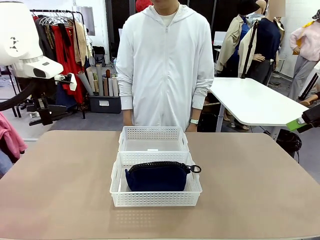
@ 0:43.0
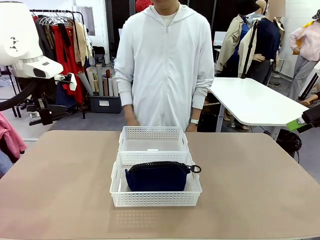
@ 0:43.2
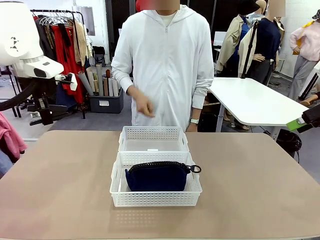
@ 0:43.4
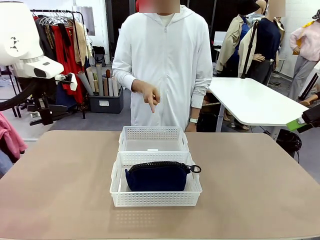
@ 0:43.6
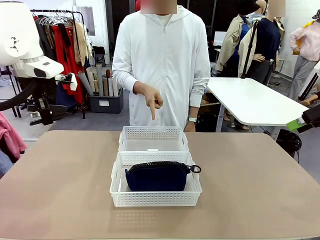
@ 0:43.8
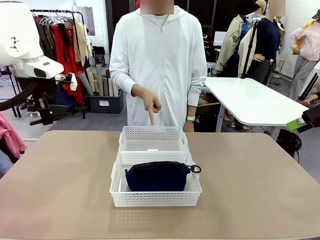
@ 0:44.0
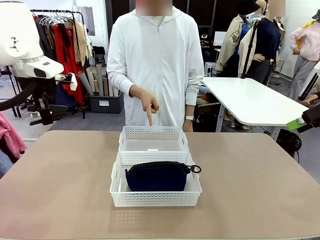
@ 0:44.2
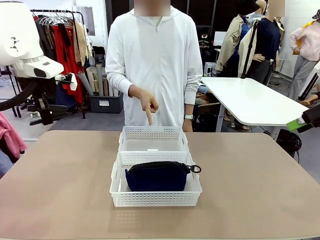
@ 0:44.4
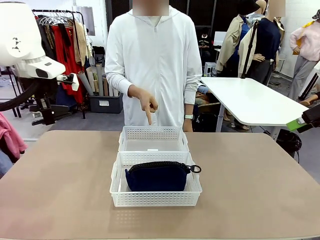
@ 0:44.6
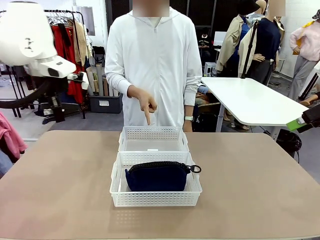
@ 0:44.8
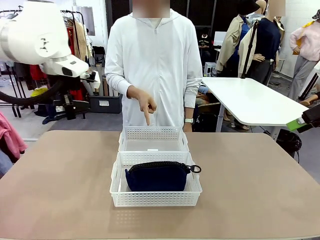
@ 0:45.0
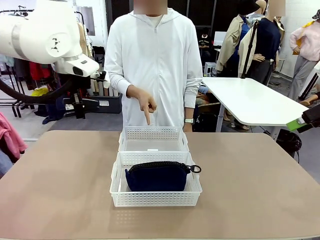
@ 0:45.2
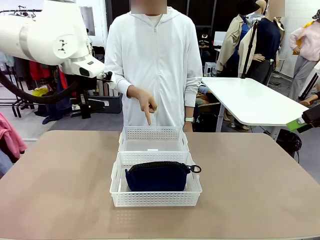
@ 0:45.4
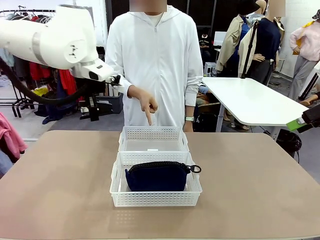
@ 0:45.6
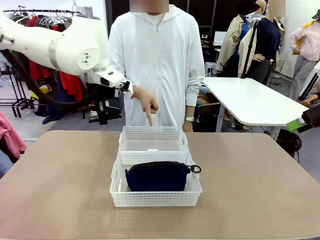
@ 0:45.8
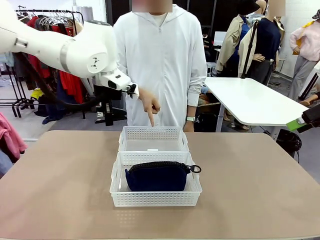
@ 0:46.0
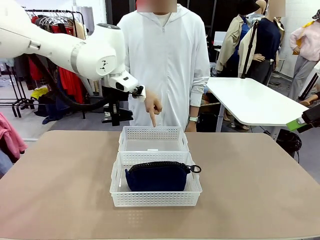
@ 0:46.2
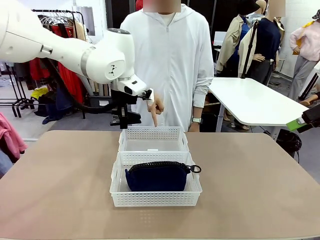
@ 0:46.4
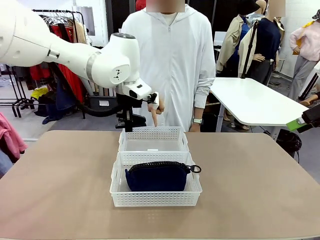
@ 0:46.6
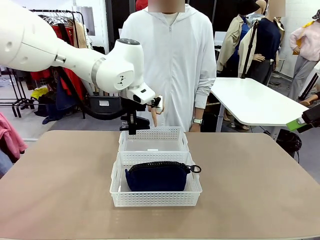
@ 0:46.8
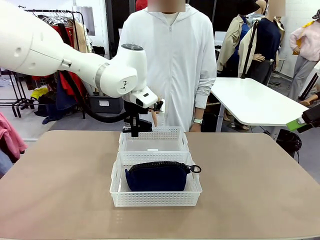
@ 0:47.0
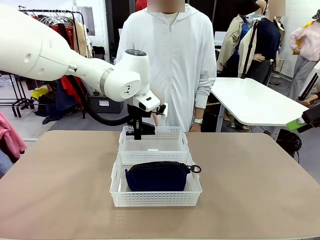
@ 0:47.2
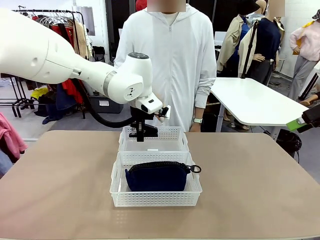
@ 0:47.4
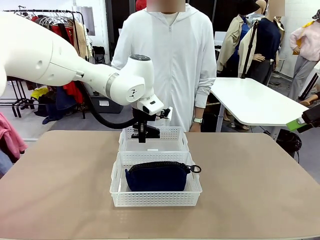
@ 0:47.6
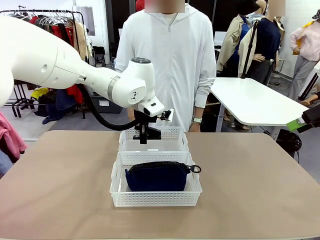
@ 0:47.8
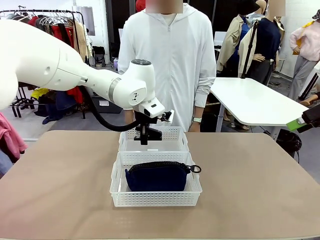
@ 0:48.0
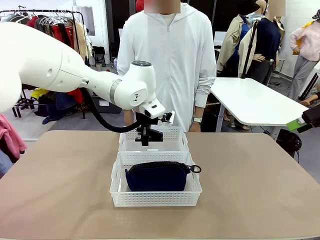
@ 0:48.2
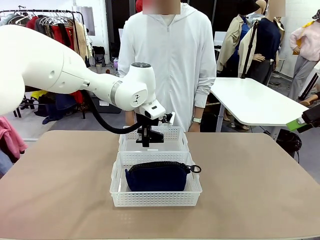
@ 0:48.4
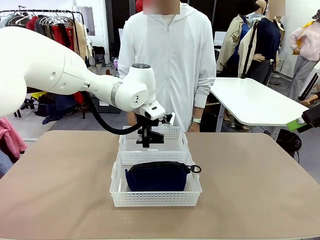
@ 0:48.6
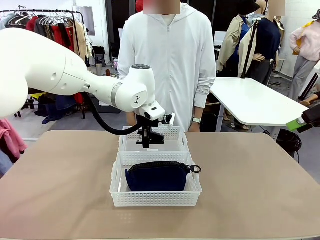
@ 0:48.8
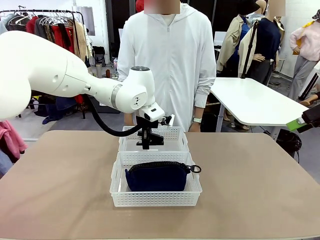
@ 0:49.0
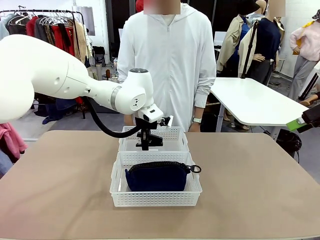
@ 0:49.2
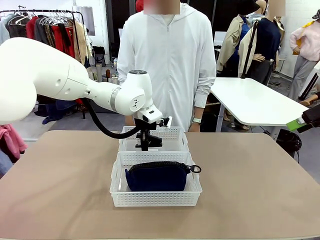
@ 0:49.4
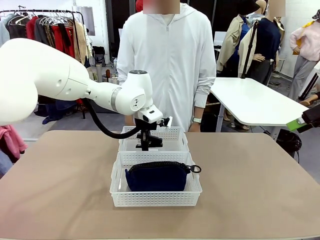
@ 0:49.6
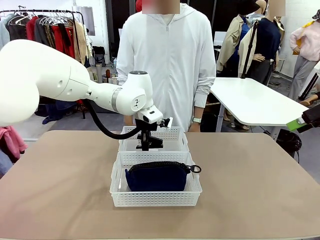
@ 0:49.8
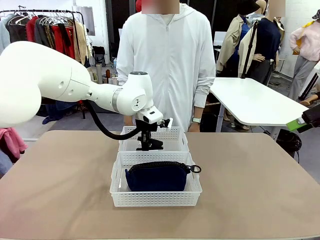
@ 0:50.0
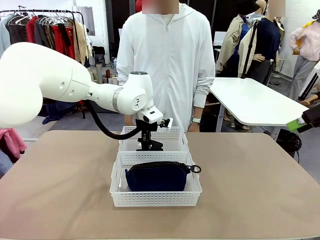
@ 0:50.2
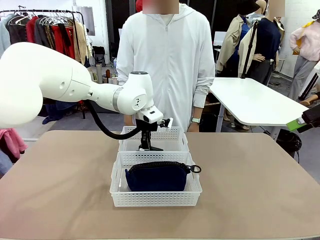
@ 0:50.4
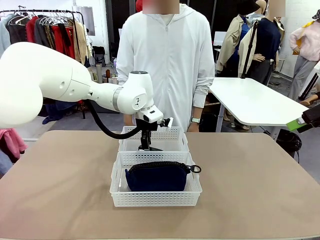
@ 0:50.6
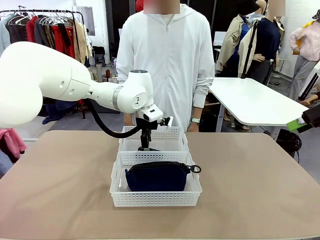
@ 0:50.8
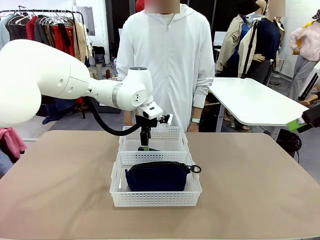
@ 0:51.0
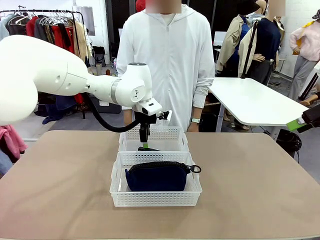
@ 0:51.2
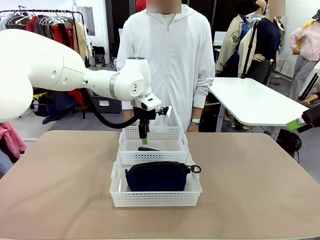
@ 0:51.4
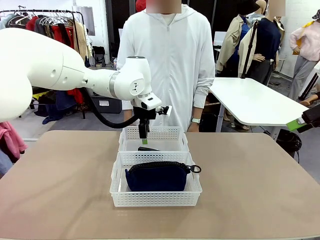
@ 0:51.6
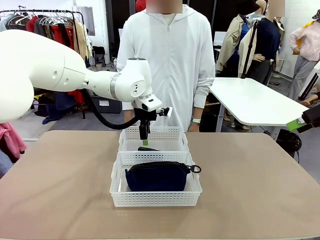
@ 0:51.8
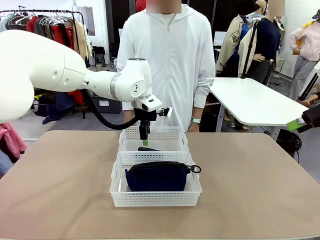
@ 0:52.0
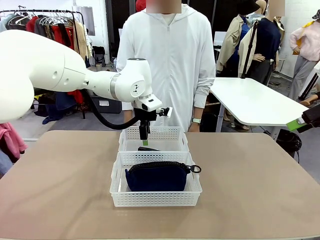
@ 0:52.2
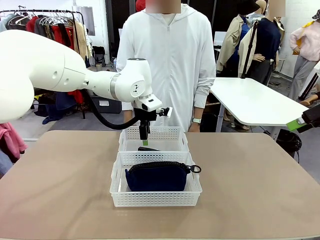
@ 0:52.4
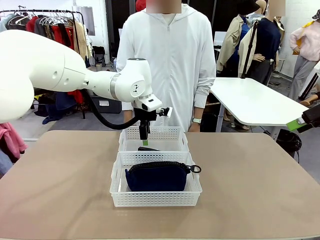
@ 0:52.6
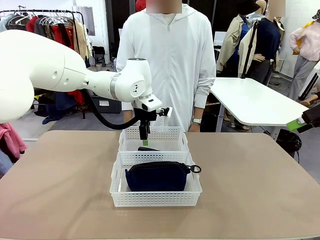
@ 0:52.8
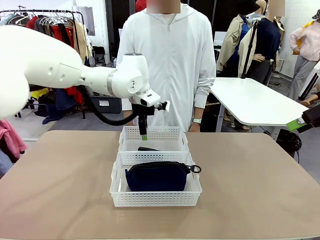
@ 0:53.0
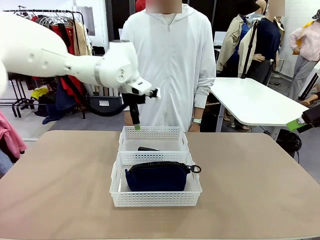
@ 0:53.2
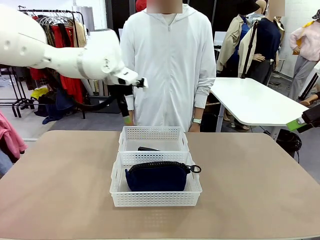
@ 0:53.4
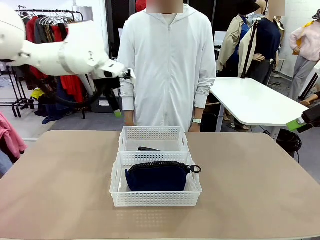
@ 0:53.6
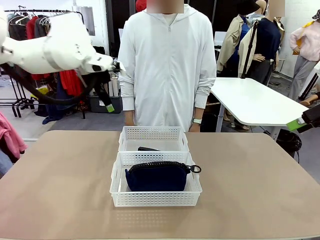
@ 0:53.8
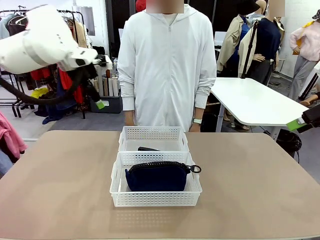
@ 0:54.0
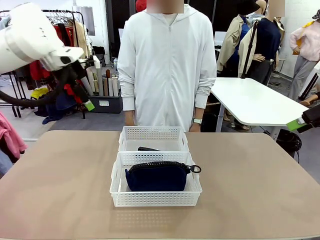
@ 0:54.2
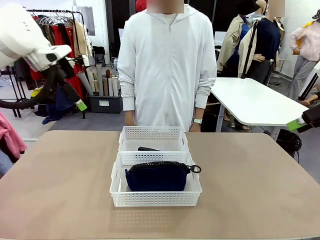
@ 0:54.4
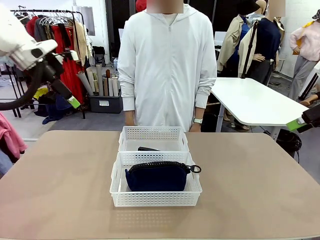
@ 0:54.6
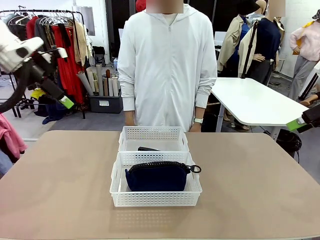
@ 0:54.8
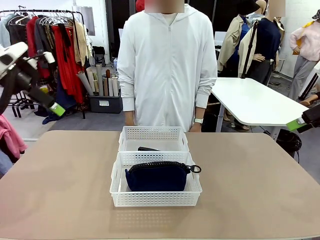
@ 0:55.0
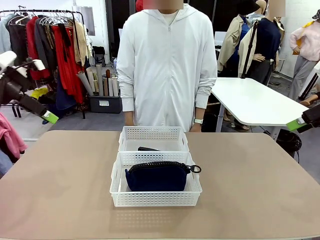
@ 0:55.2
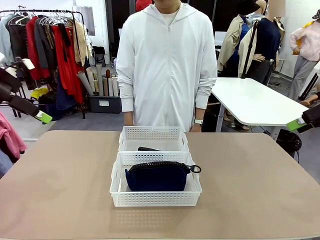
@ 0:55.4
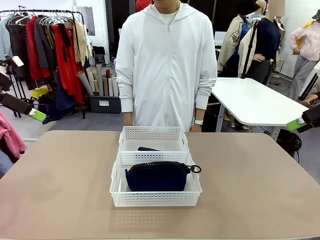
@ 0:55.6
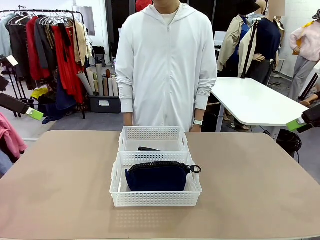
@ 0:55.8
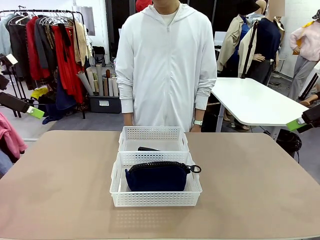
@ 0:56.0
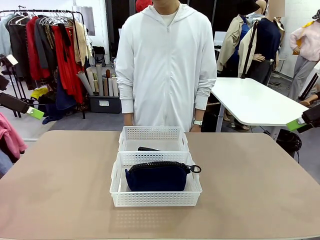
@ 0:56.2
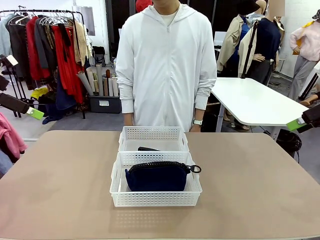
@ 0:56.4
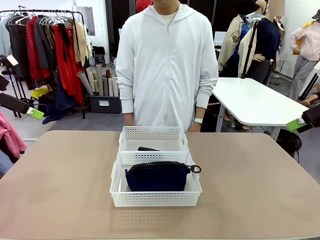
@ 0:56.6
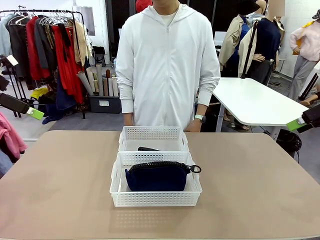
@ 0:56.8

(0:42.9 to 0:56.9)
Task: Distribute items into two baskets.
Robot: Place the picked Stapler into the Organizing basket as instructed by the person.
Person: Points to the basket that does not contain the pencil case and instructs the robot to move the stapler there.

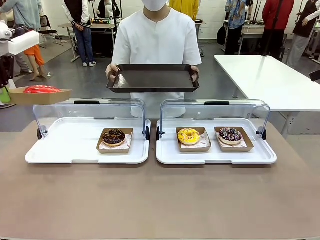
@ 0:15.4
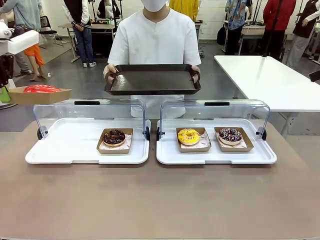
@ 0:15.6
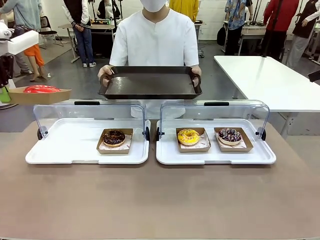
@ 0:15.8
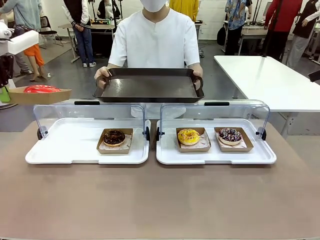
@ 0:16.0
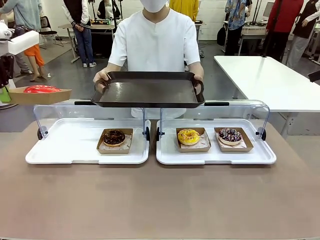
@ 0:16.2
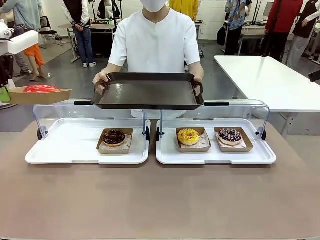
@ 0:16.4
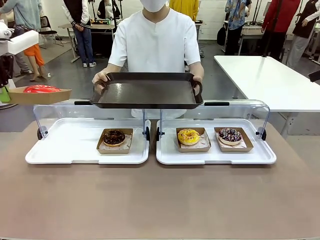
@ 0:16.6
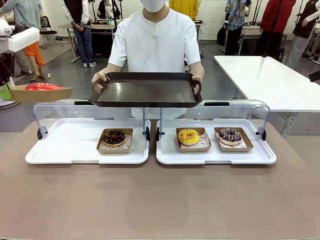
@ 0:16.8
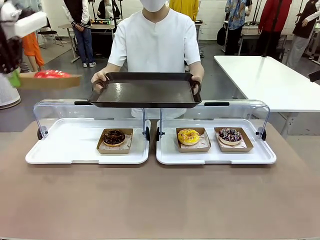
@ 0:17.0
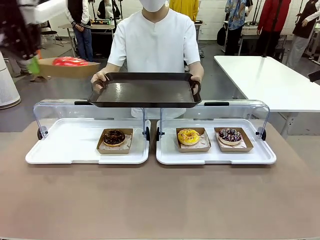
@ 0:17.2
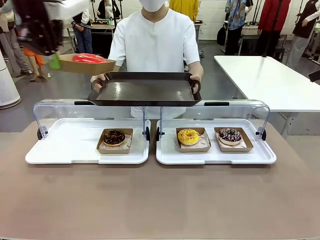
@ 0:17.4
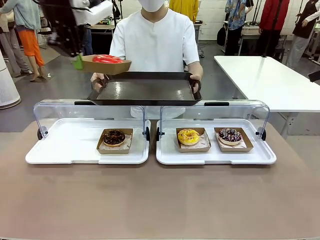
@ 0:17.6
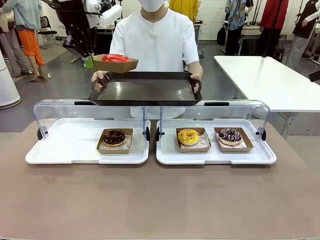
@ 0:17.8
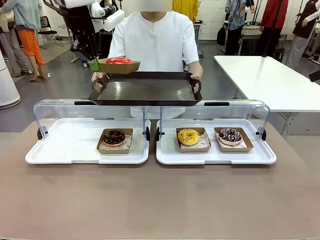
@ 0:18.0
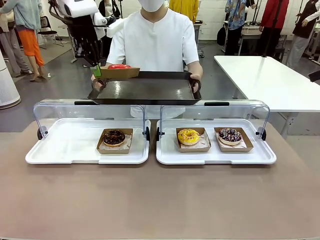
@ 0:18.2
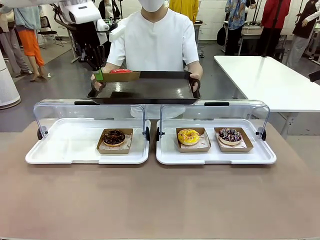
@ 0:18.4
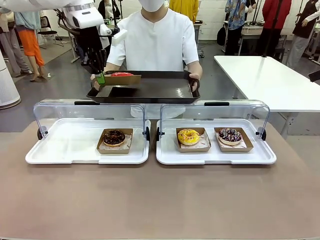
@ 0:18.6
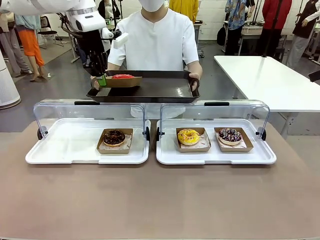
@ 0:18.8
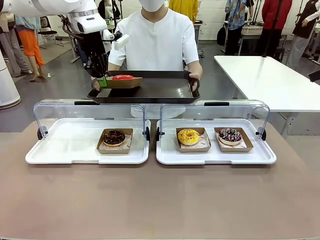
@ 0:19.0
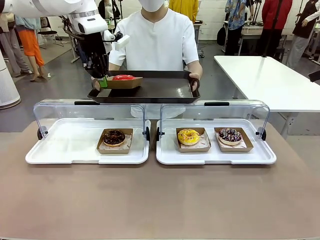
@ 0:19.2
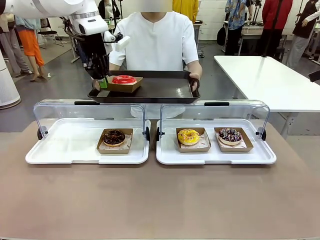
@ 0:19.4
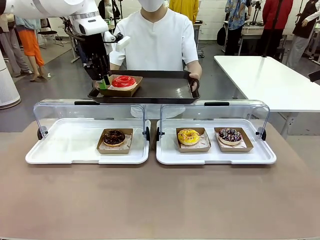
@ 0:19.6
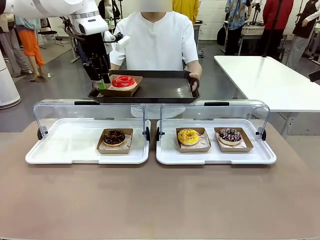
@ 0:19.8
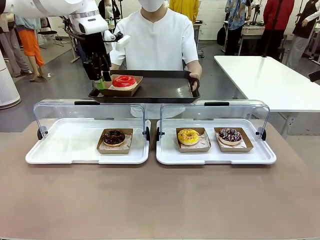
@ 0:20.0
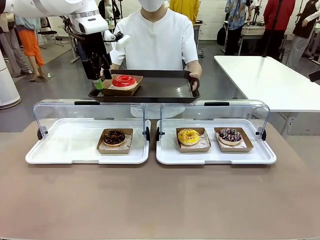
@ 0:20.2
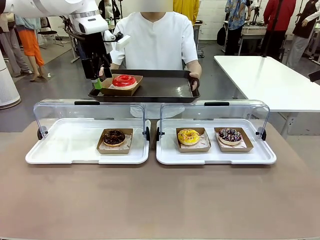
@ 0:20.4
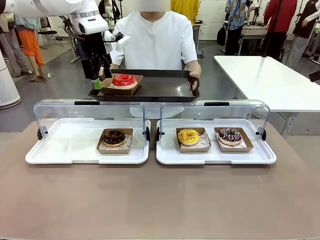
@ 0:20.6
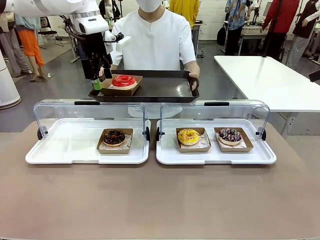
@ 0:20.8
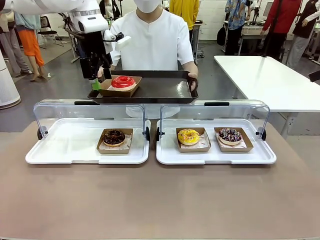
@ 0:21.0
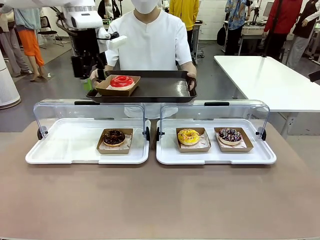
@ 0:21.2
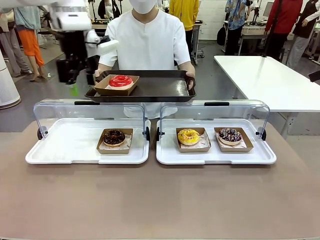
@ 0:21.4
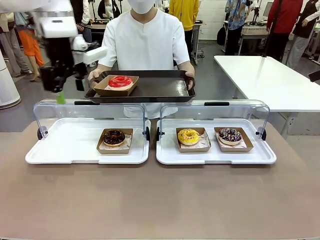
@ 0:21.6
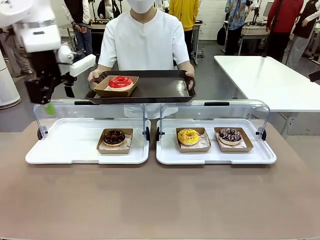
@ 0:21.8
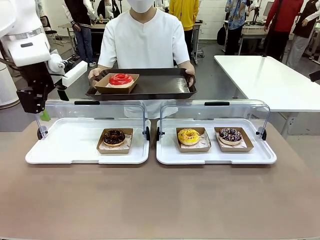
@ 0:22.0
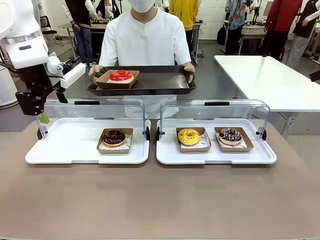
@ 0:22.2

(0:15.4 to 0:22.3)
Task: Provide the desired donut to the person.
Robot: Place the picked Paper togo box onto the Handle tray extended by the person.
